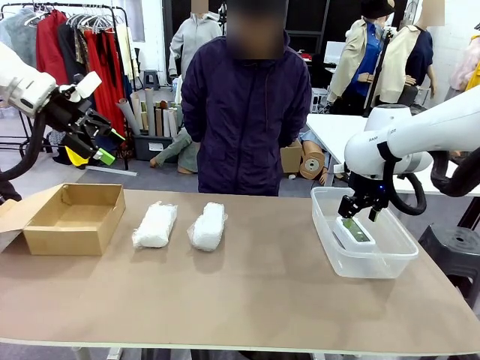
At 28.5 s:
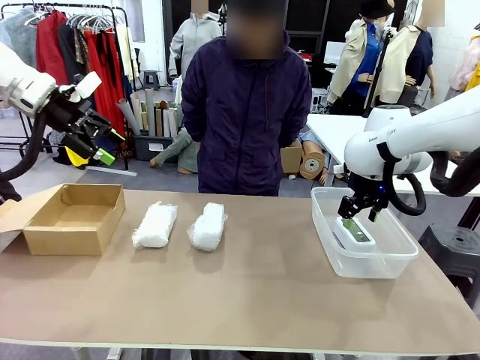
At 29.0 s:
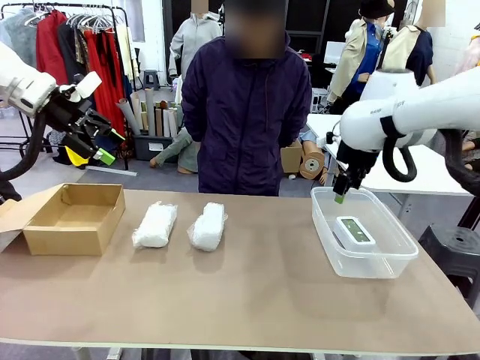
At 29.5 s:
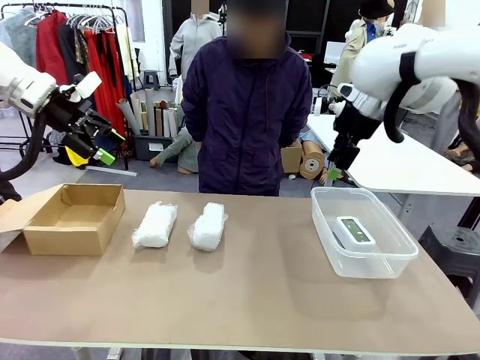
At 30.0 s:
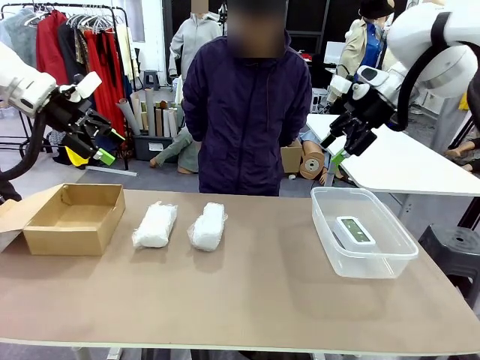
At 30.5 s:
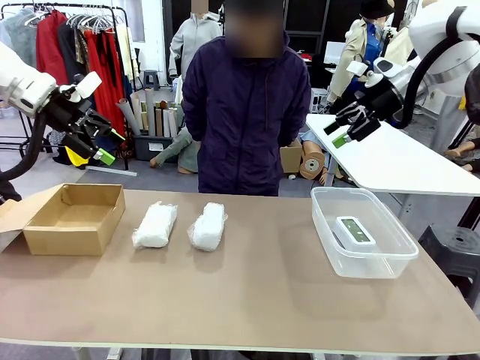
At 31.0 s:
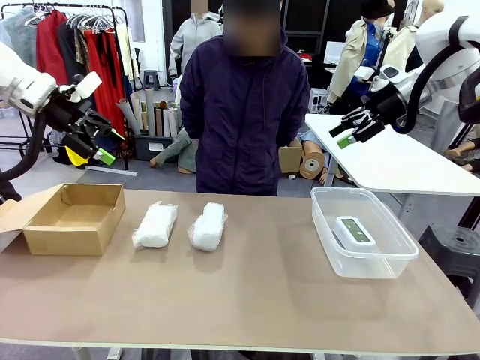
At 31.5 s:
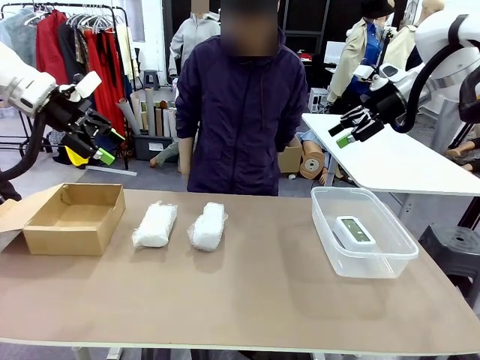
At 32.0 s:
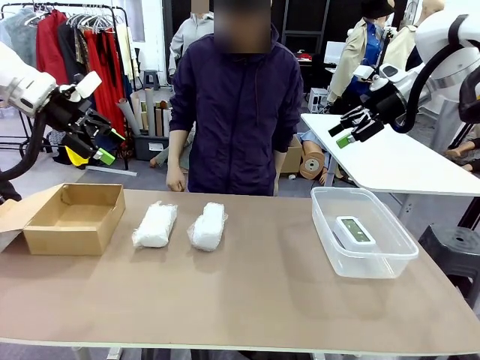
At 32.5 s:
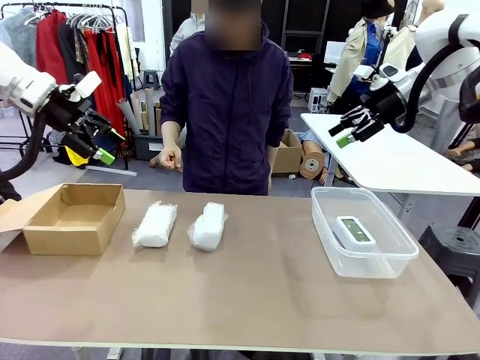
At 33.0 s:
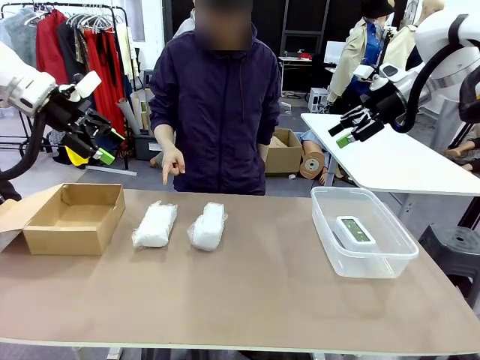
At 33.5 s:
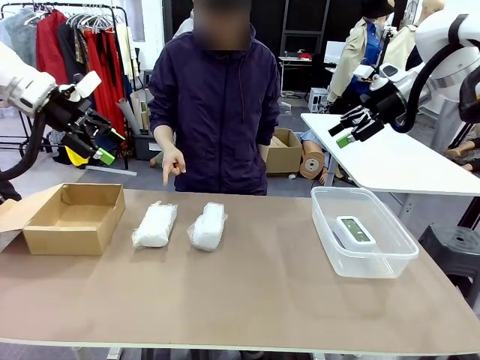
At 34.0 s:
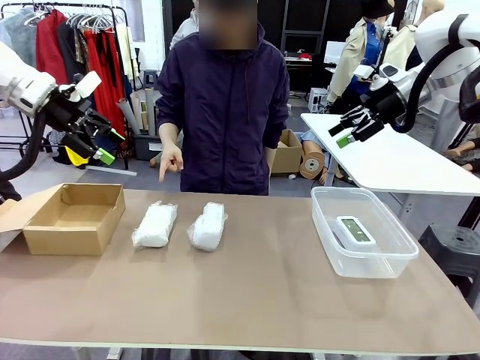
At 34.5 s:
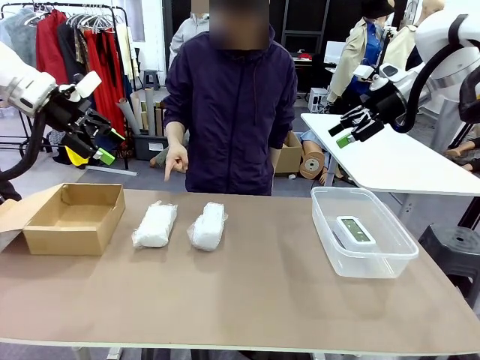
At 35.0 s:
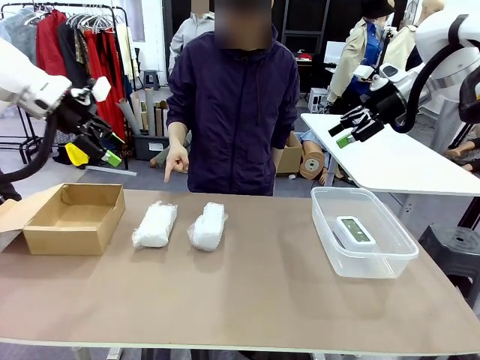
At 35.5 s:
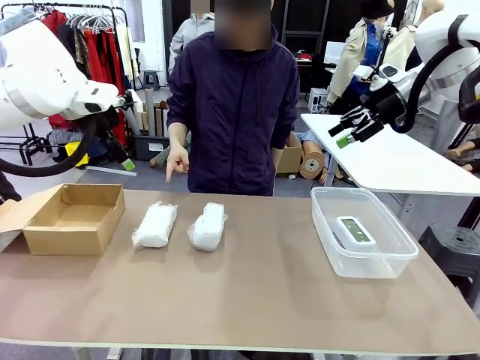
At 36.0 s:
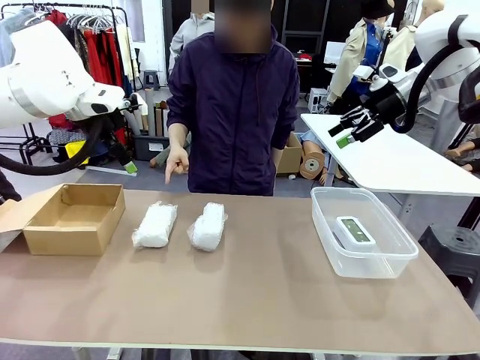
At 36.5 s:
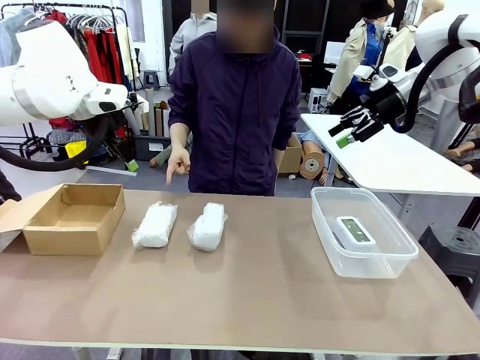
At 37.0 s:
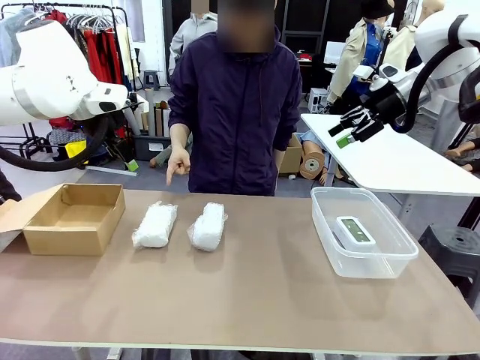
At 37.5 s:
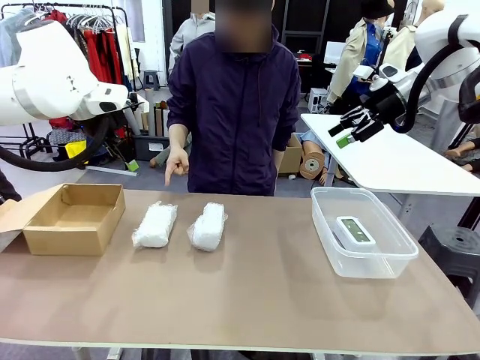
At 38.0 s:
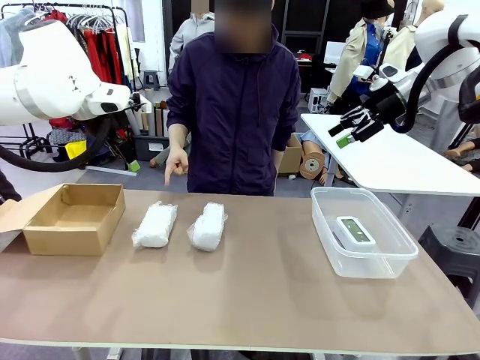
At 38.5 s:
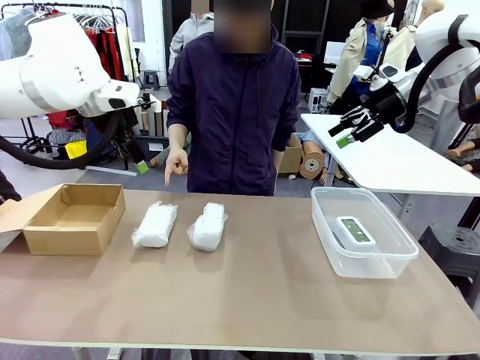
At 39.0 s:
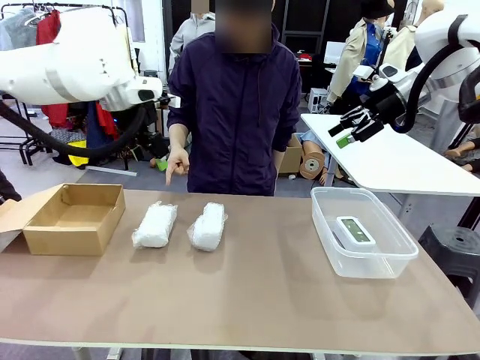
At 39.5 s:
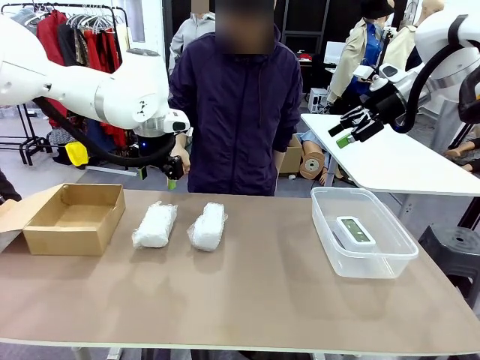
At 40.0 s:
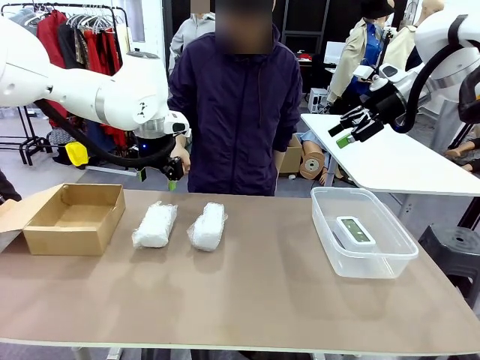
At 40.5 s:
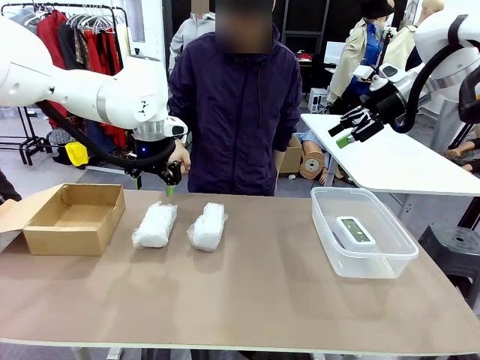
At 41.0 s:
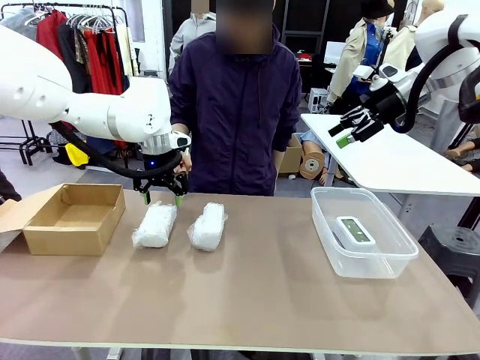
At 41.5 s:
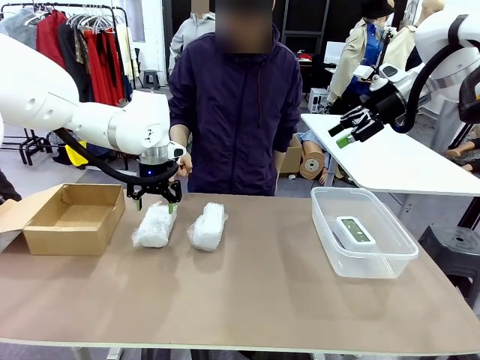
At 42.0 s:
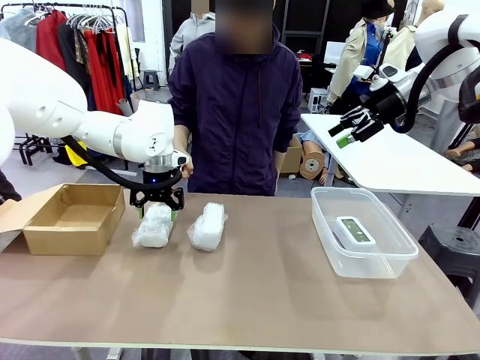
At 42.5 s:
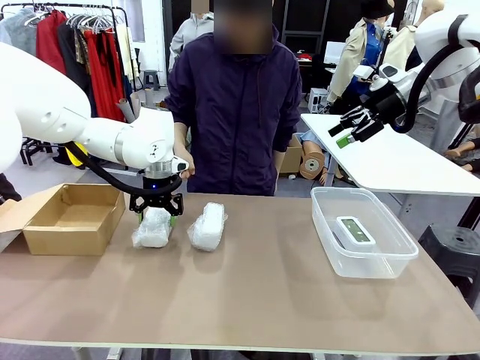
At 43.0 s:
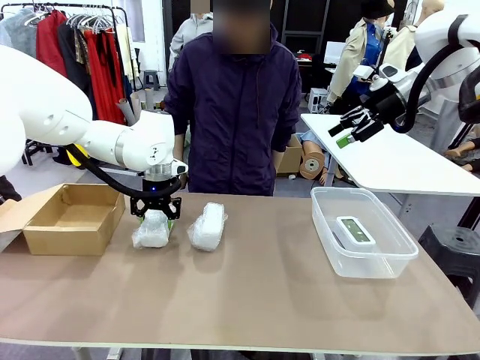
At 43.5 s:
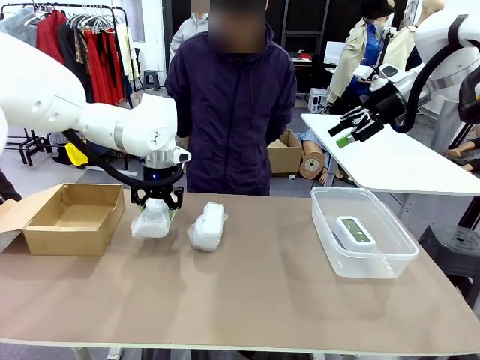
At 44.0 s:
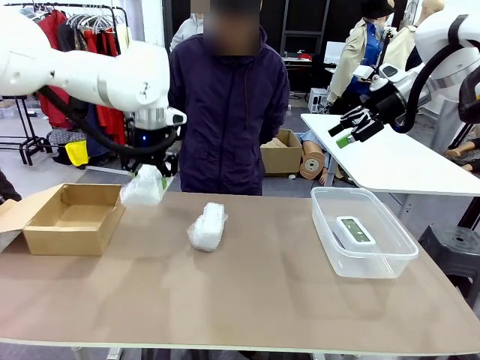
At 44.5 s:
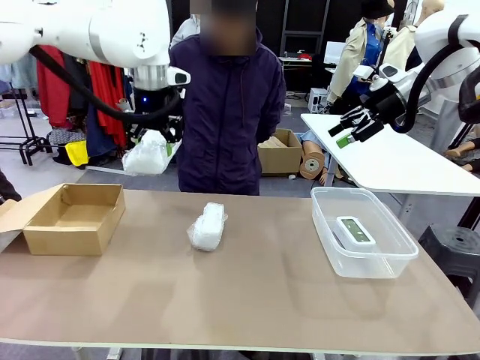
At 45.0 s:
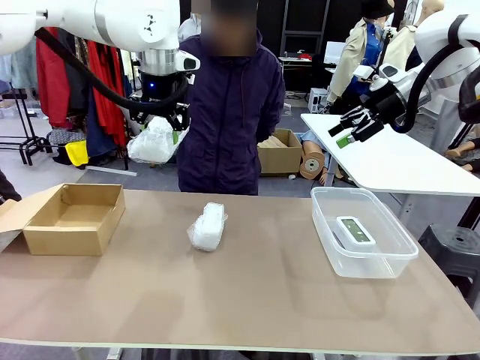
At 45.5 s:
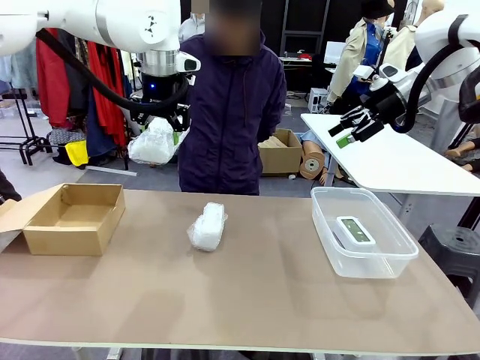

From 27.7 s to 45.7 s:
Task: Separate and place wrapped and unwrapped clocks.
Robot: Pick up the Digital clock indicated by the person.

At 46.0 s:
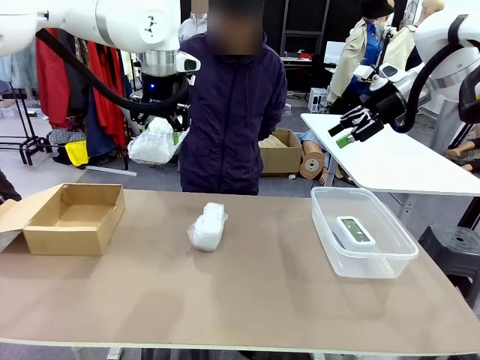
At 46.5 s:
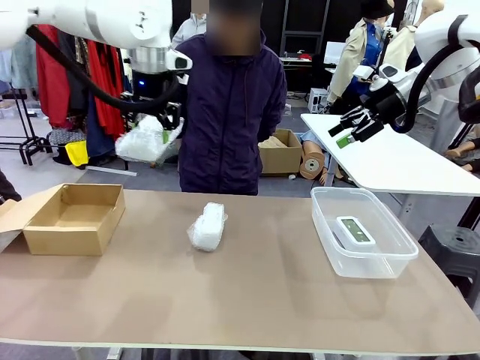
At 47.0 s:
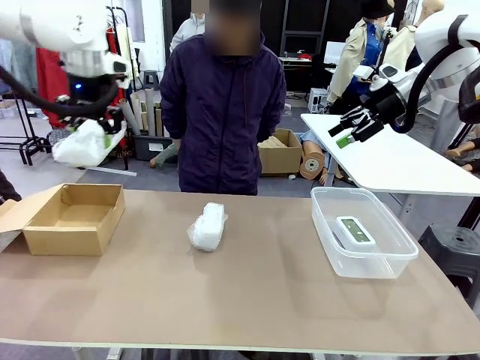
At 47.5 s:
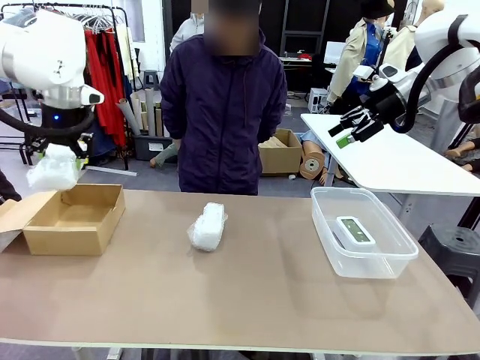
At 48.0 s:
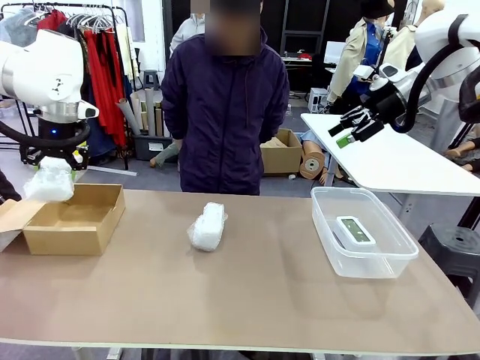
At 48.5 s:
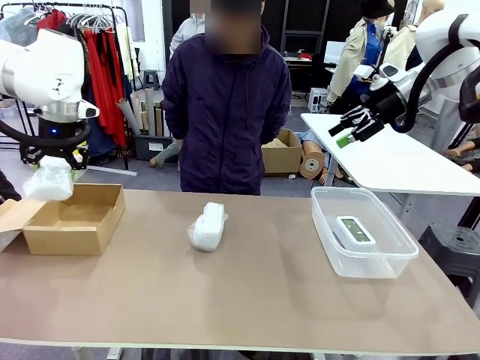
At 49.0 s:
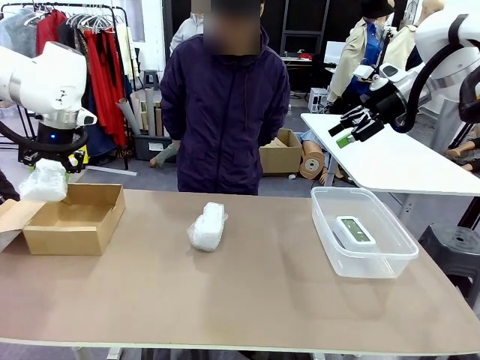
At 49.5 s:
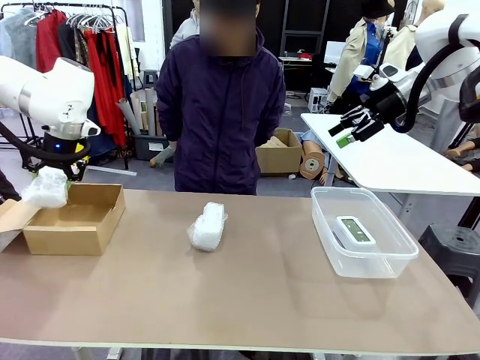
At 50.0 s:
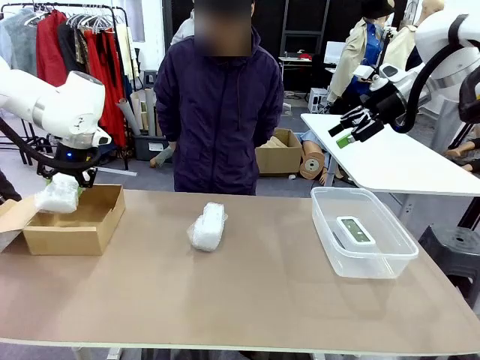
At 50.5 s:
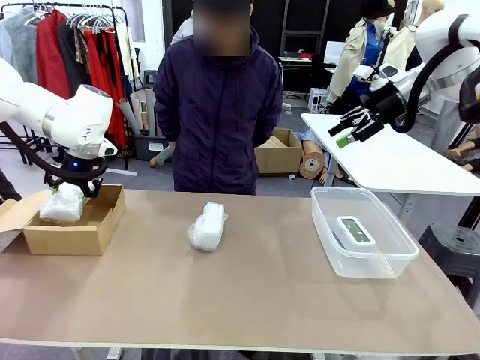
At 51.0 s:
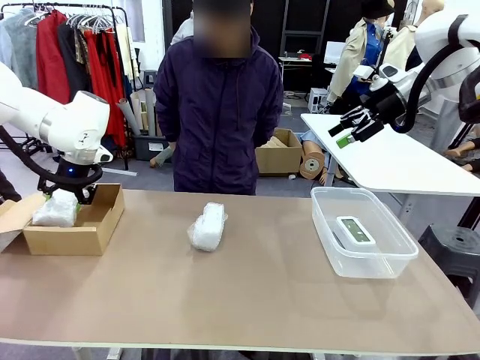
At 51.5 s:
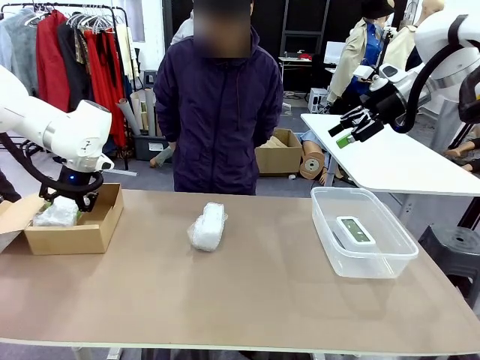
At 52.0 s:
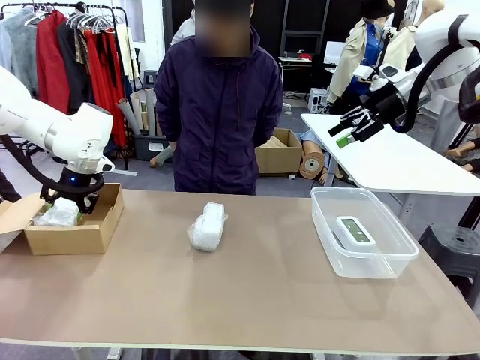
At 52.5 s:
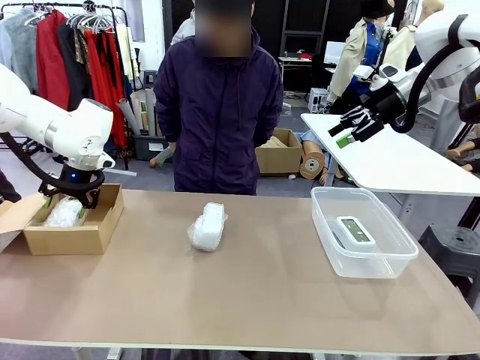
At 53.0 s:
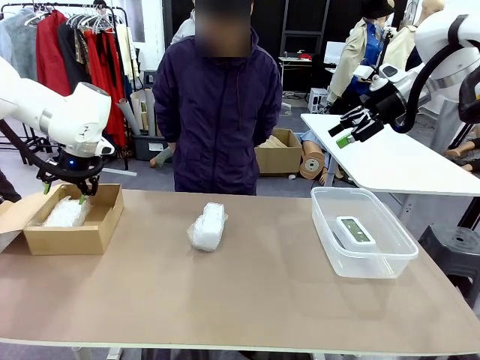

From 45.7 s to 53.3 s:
Robot: If the picked Digital clock is wrapped, place it in the Package Box ; if not, place it in the Organizing box.
